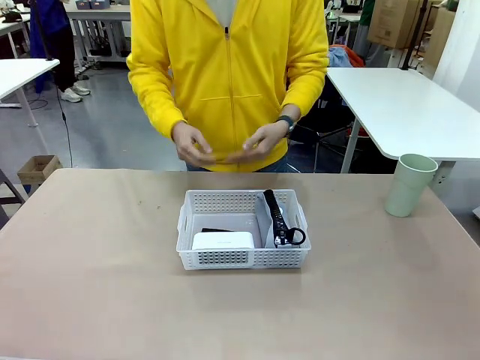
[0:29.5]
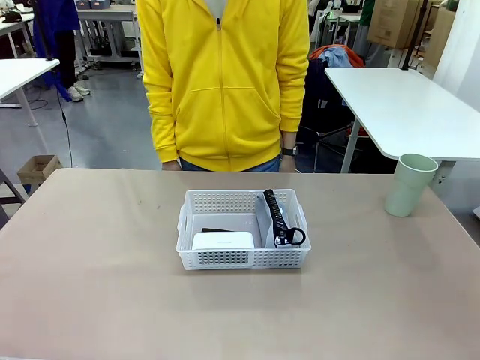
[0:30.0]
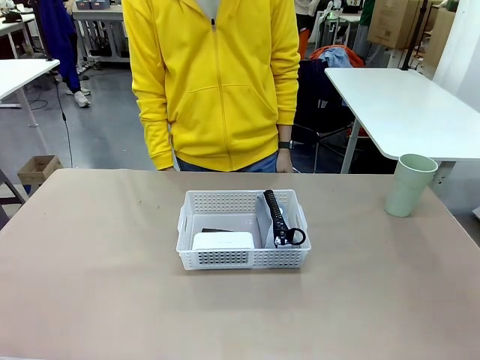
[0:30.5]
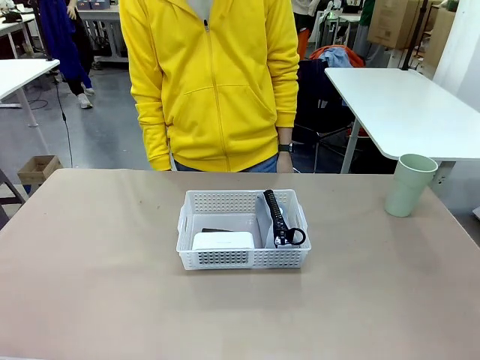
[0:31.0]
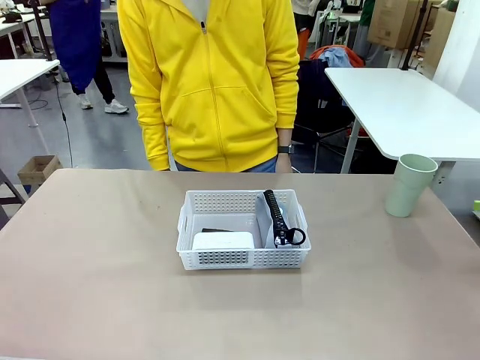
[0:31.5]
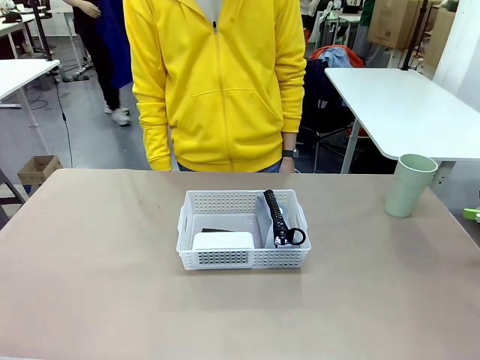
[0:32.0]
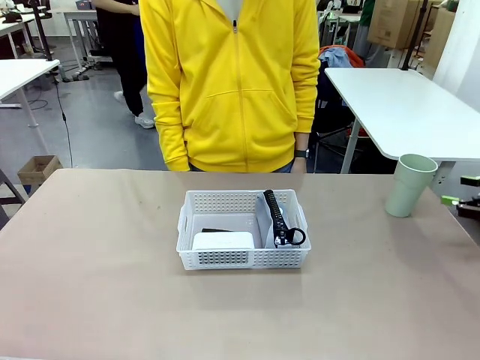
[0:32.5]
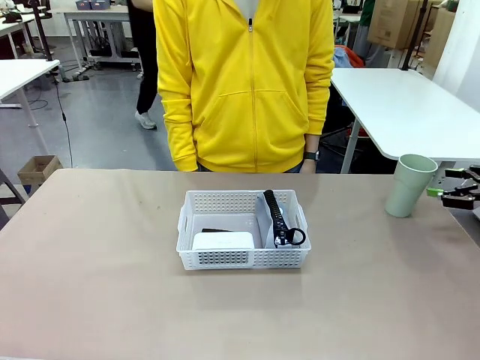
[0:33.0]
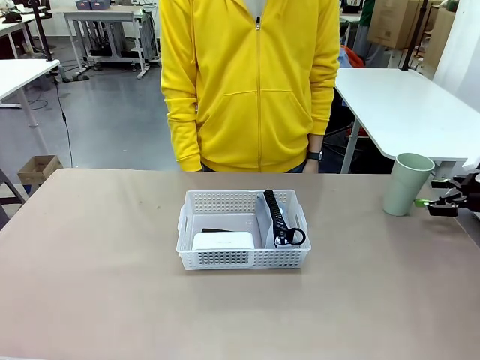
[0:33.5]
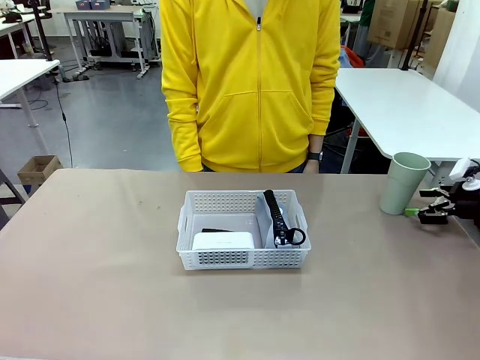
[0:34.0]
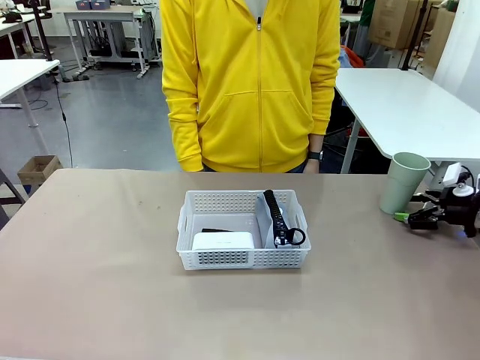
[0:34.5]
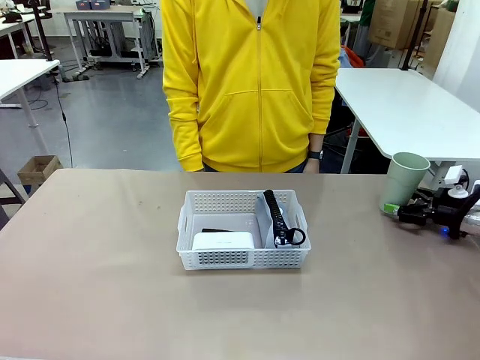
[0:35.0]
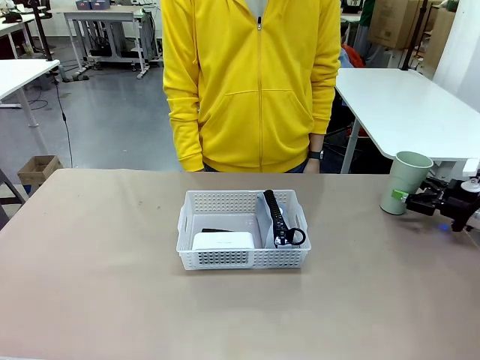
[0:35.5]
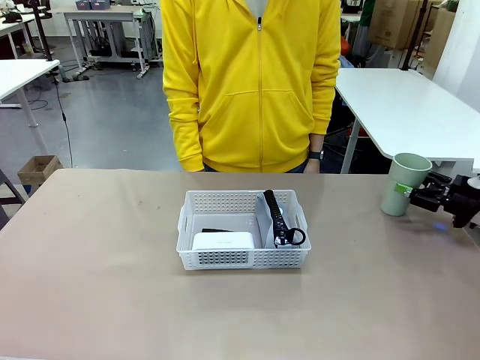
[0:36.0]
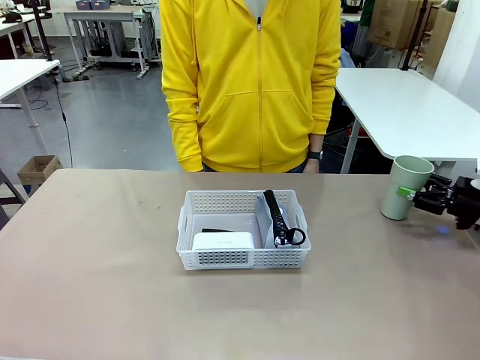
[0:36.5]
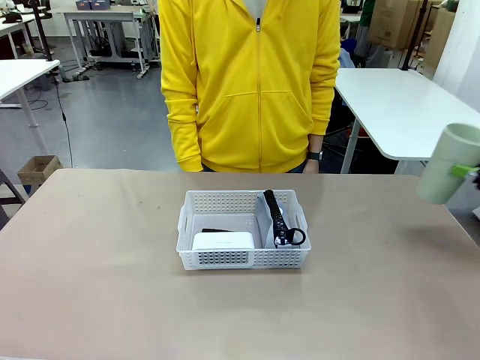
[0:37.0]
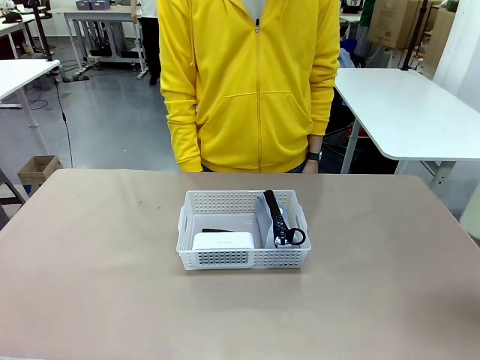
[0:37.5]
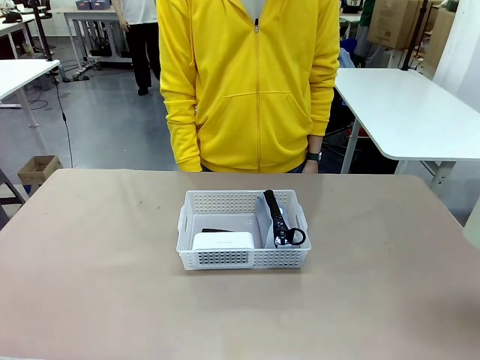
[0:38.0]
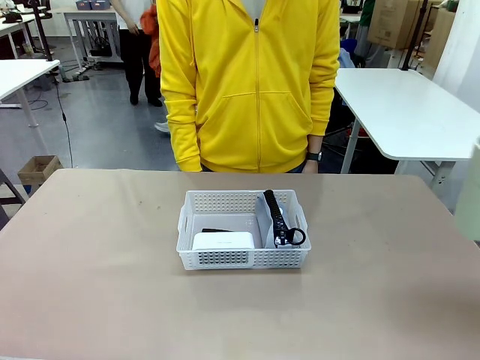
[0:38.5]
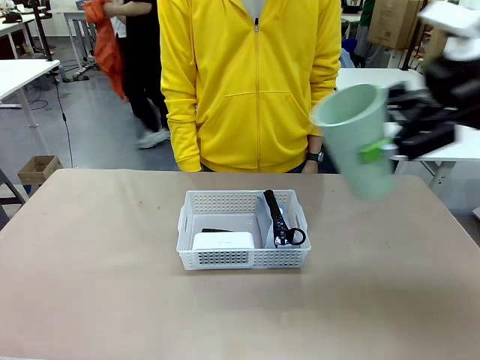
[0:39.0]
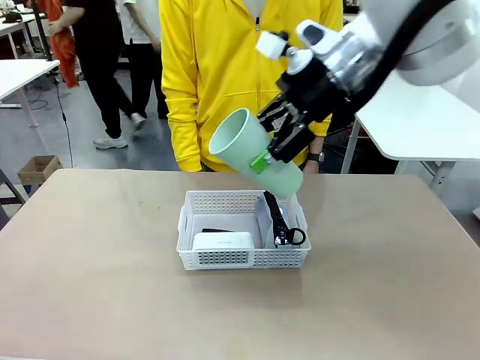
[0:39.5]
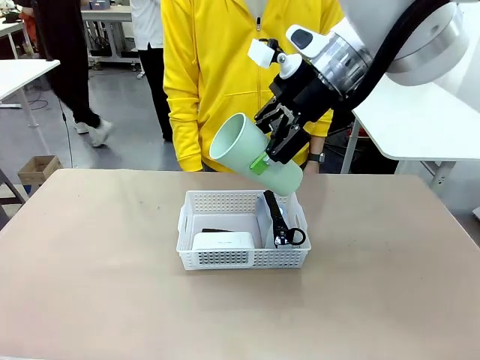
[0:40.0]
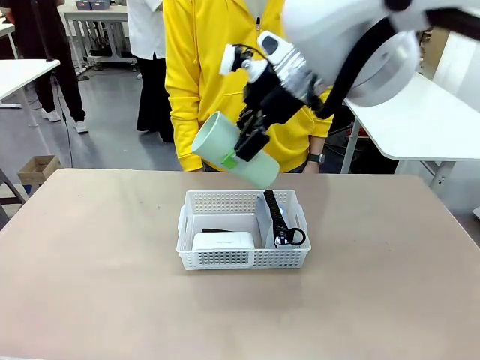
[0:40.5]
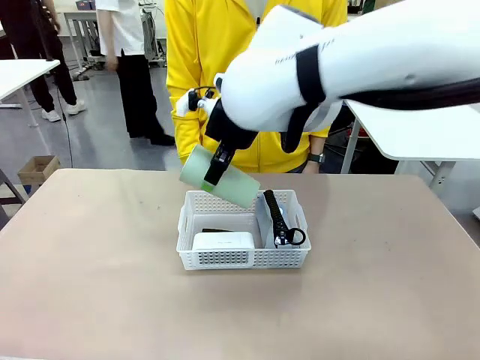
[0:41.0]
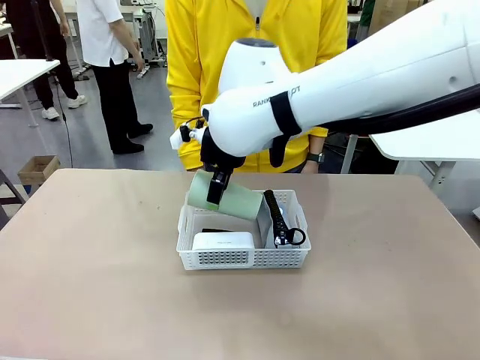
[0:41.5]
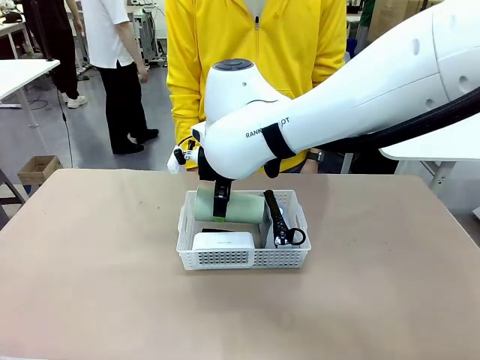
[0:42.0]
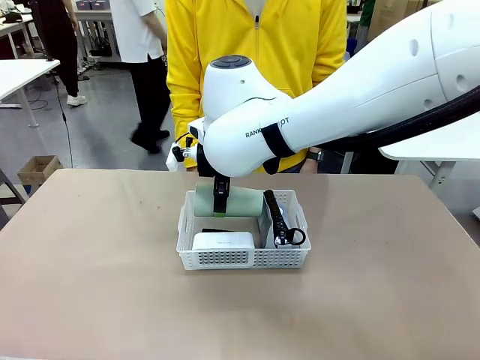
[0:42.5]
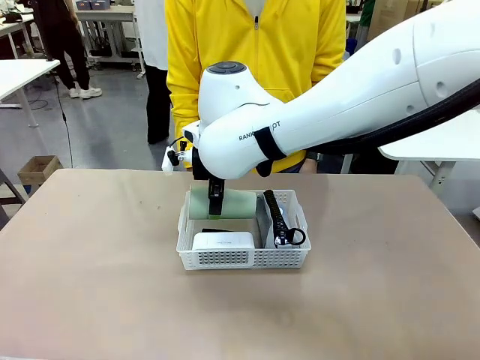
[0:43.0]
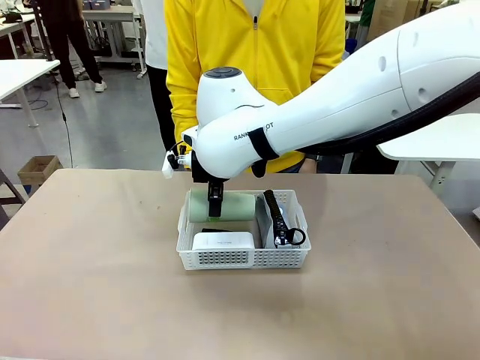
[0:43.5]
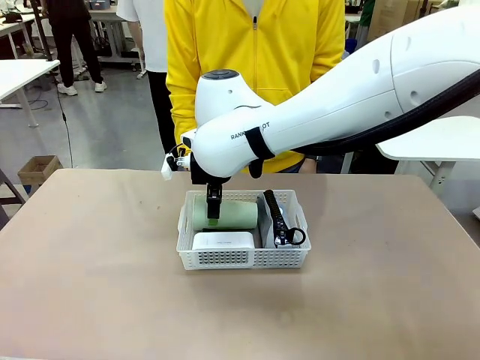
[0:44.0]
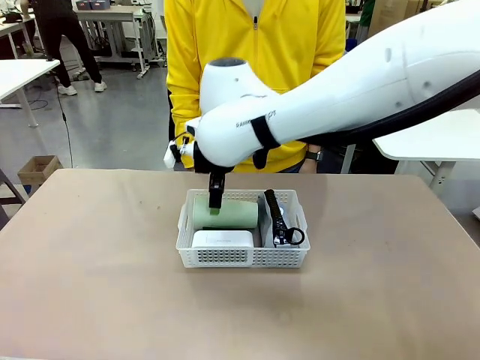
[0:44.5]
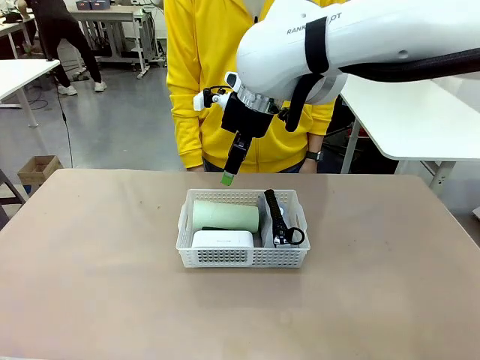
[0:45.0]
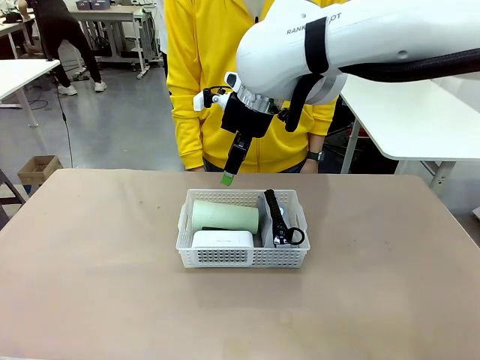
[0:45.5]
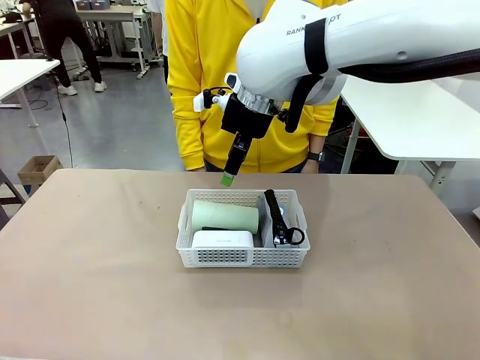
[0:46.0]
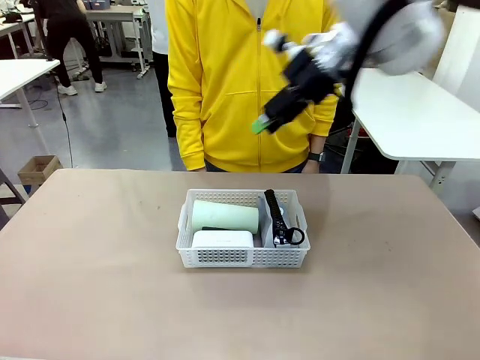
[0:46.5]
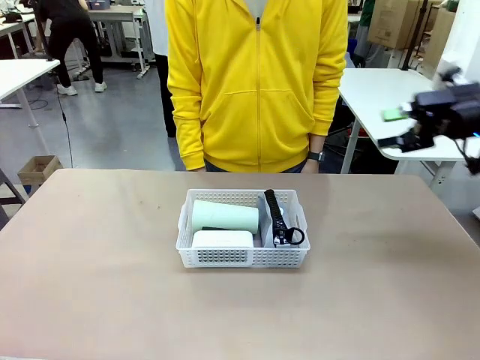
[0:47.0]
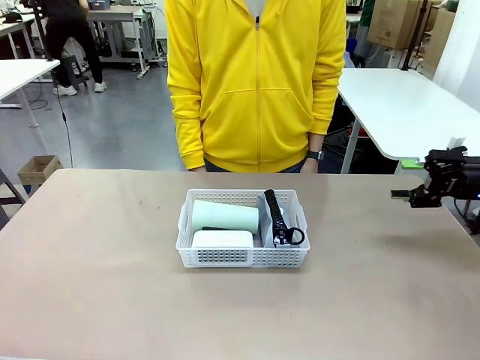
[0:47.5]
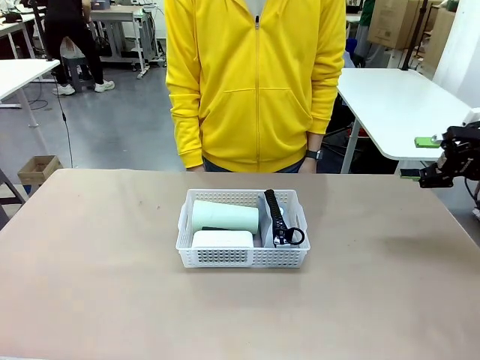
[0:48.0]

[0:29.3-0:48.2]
Task: Efficiently arrange items inside the basket to fit them all.
Robot: Pick up the Reusable plastic cup and place it inside the Organizing basket.
Person: Repositions the stapler.

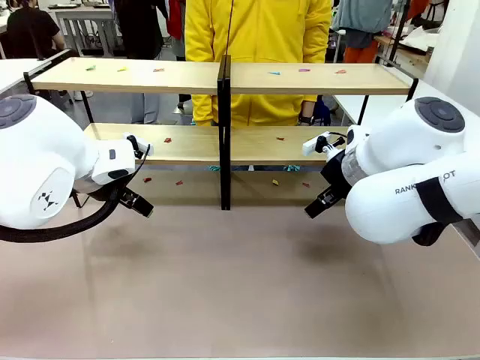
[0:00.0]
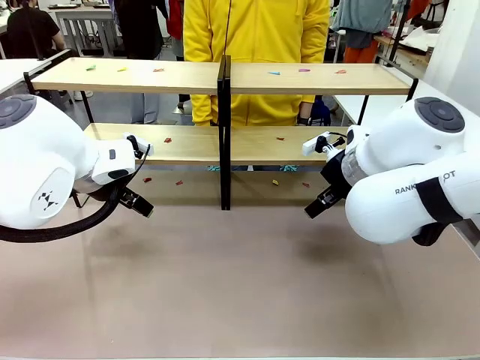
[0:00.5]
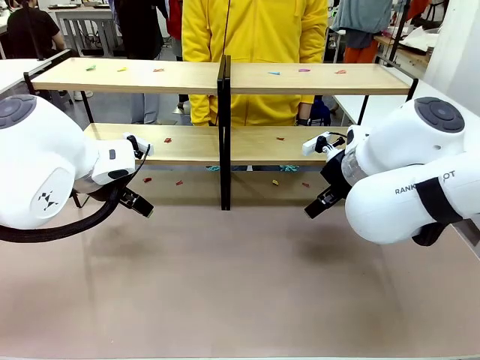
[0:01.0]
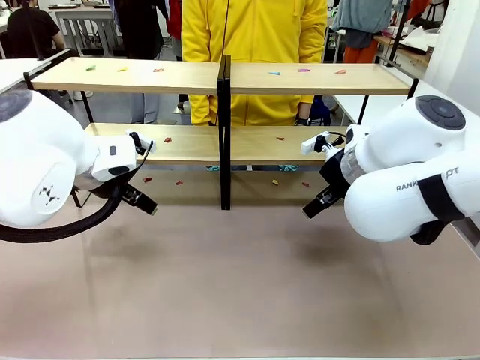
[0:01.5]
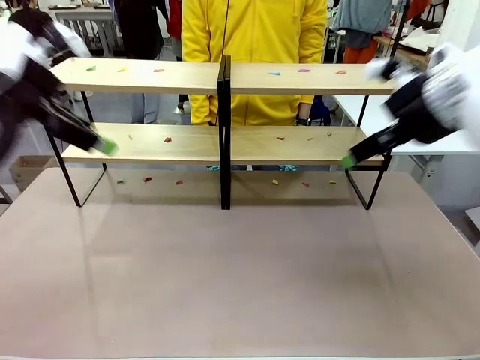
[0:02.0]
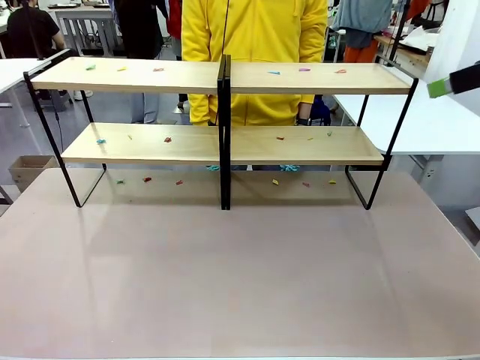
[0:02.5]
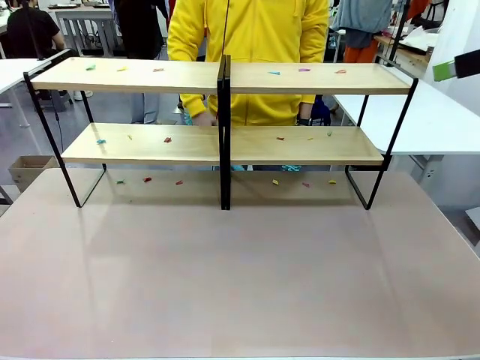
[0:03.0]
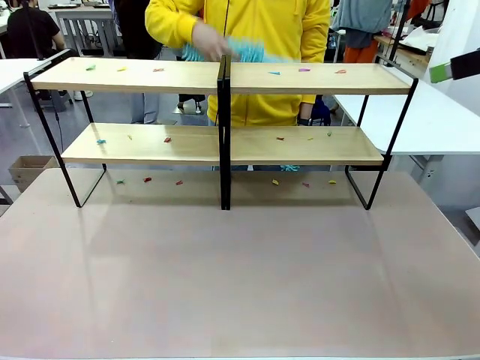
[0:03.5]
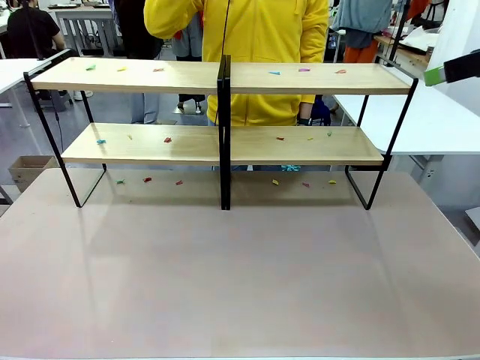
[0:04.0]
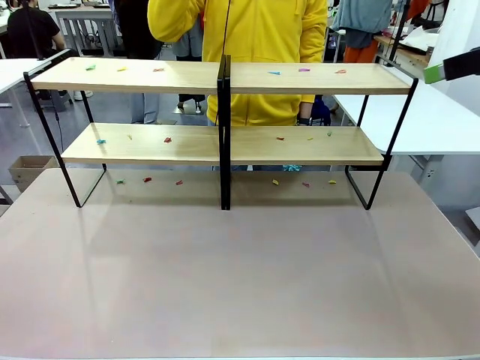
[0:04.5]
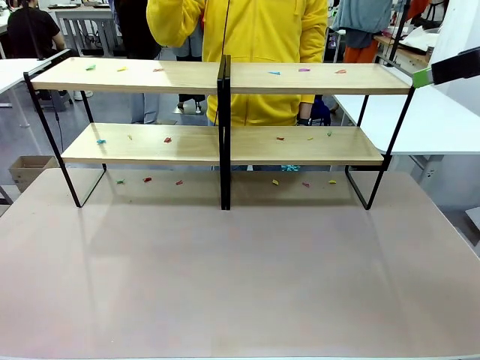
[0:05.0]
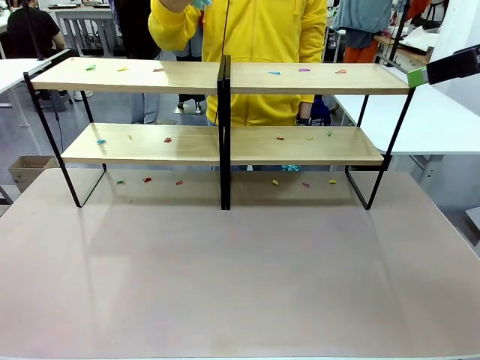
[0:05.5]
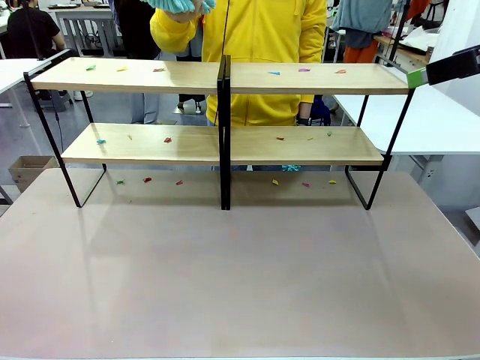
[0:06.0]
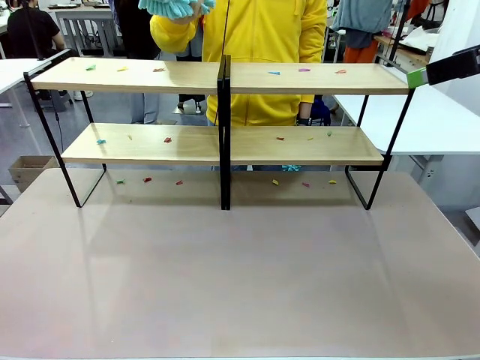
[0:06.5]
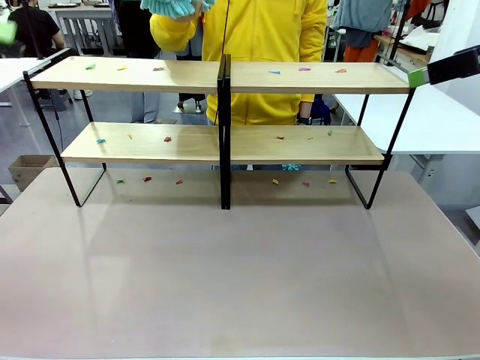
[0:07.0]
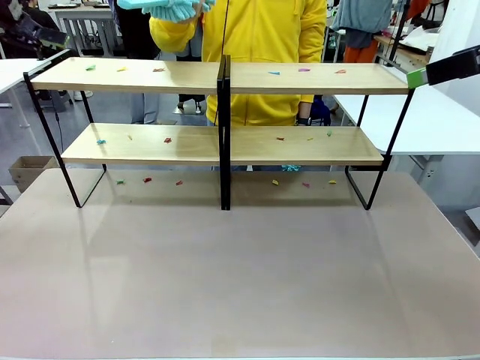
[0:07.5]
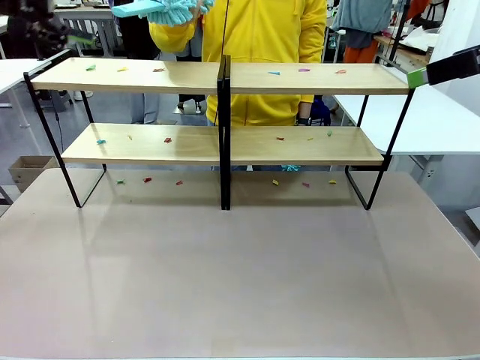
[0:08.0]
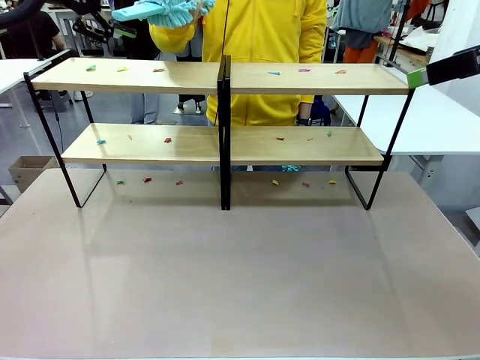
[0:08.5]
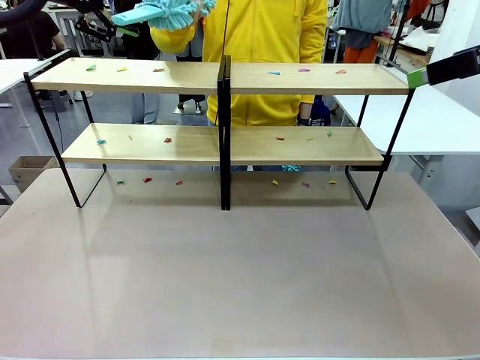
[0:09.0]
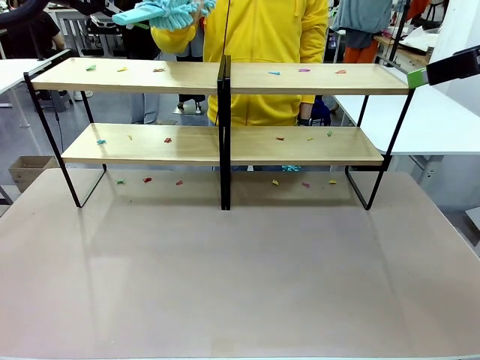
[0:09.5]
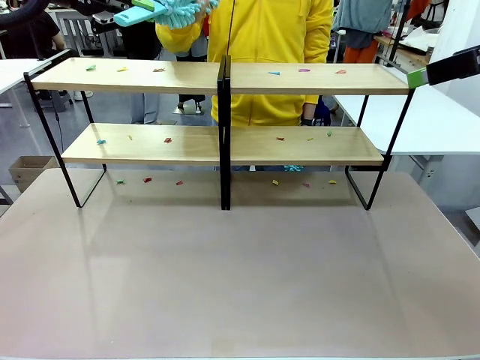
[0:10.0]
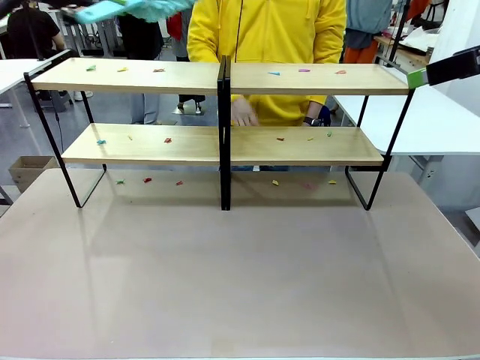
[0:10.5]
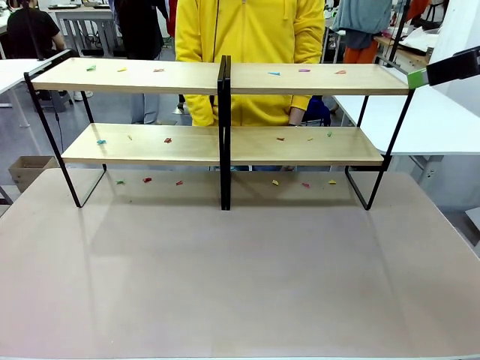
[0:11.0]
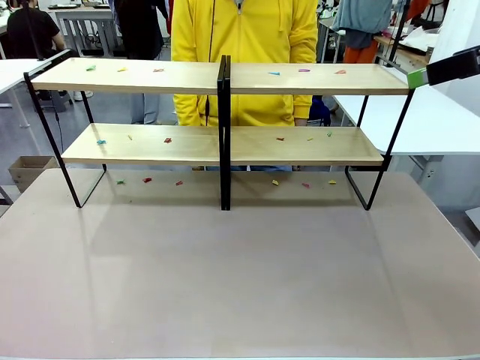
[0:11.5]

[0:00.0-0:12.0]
Task: Clean the shelves.
Robot: Pick up the Duster when the human hands it over.
Person: Hand the Duster to the robot with your right (or left) hand.
